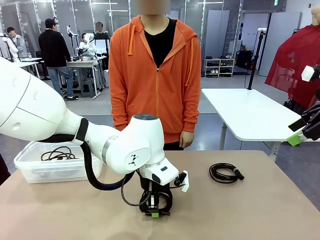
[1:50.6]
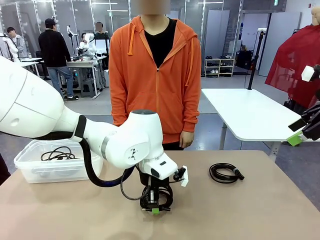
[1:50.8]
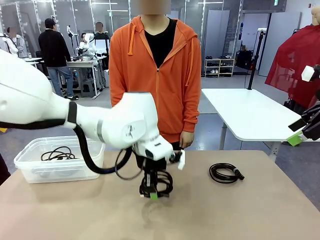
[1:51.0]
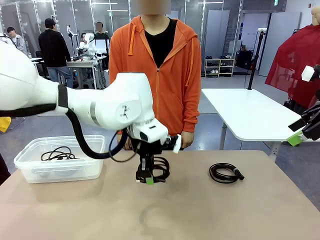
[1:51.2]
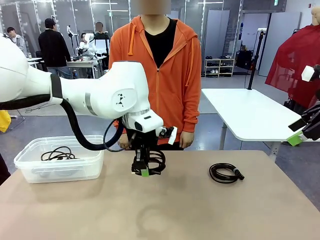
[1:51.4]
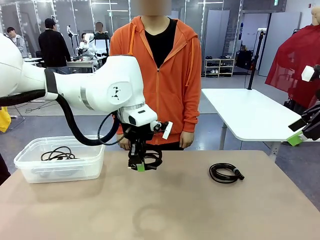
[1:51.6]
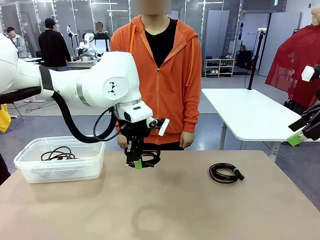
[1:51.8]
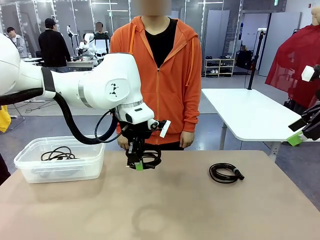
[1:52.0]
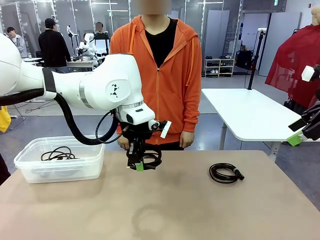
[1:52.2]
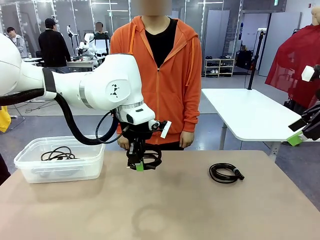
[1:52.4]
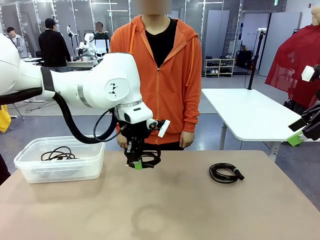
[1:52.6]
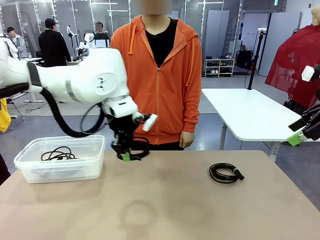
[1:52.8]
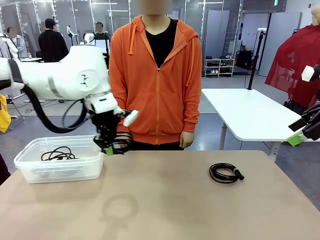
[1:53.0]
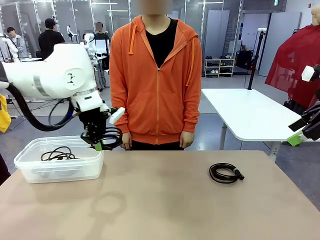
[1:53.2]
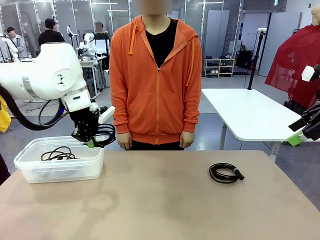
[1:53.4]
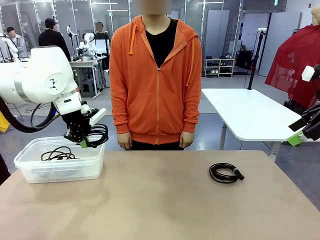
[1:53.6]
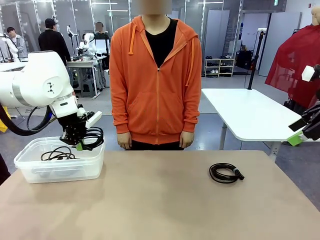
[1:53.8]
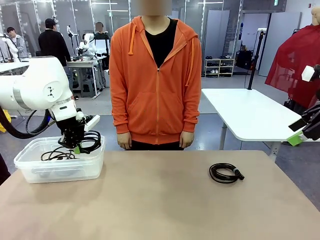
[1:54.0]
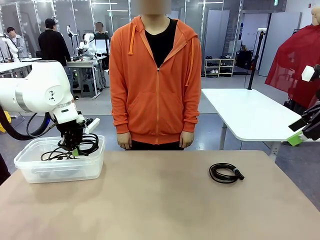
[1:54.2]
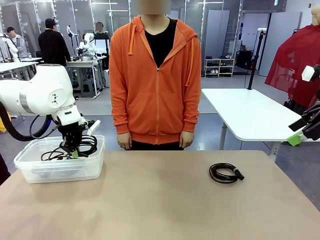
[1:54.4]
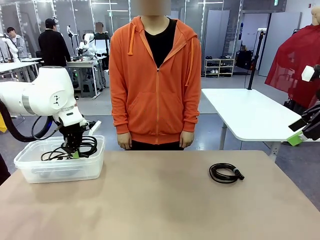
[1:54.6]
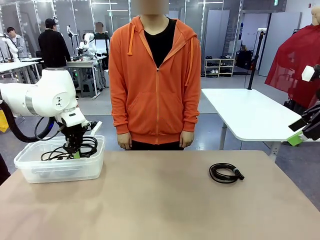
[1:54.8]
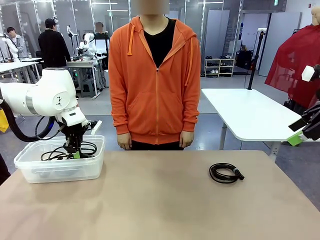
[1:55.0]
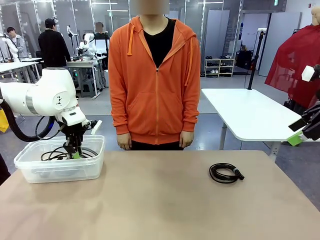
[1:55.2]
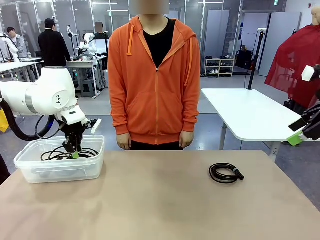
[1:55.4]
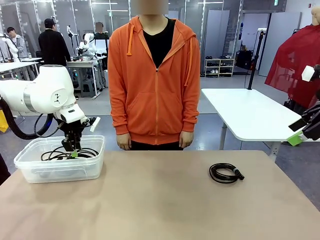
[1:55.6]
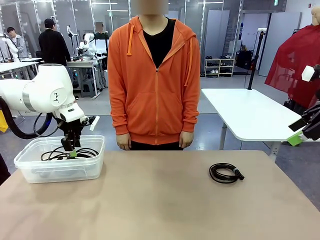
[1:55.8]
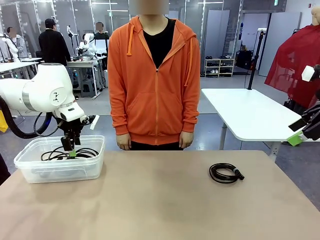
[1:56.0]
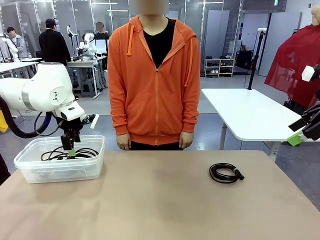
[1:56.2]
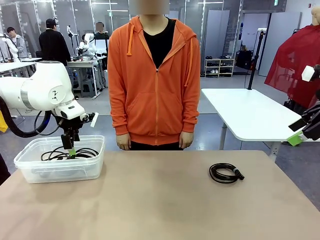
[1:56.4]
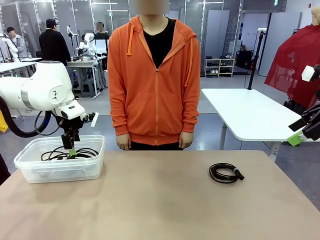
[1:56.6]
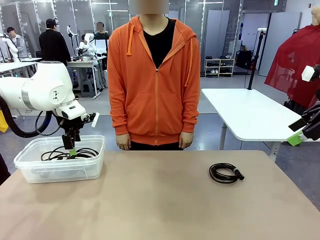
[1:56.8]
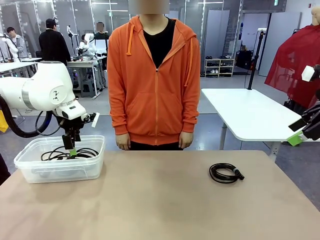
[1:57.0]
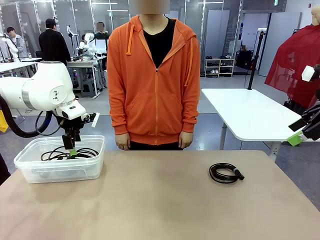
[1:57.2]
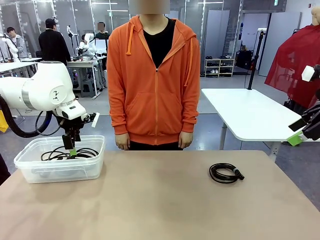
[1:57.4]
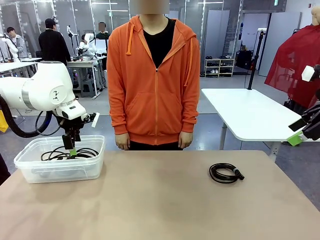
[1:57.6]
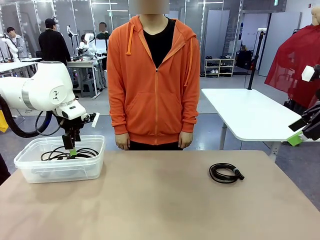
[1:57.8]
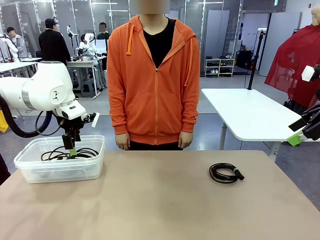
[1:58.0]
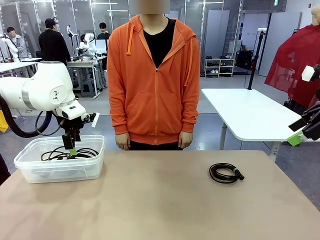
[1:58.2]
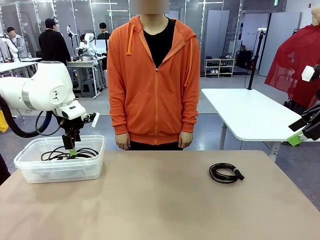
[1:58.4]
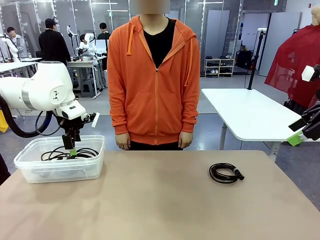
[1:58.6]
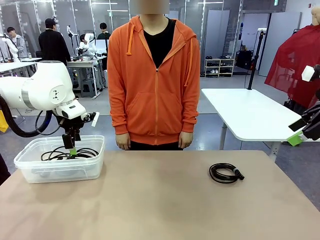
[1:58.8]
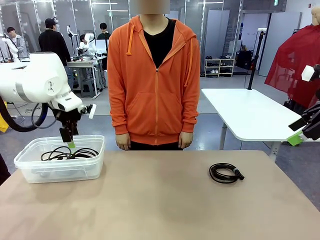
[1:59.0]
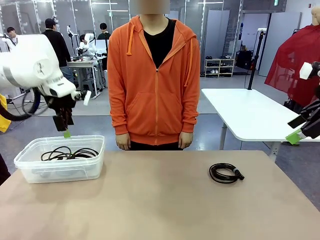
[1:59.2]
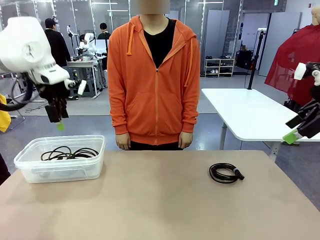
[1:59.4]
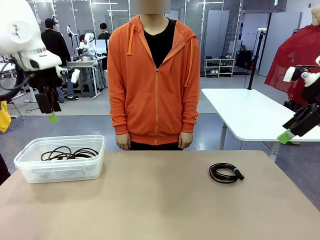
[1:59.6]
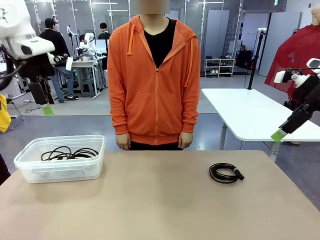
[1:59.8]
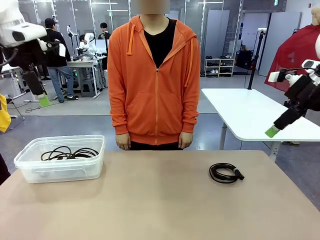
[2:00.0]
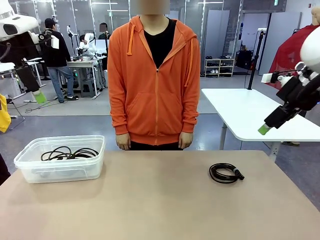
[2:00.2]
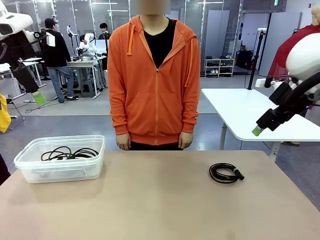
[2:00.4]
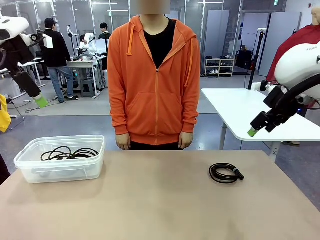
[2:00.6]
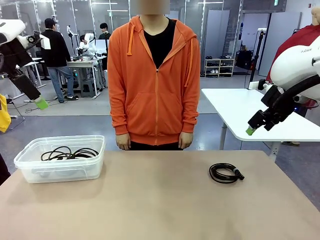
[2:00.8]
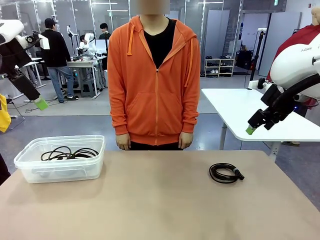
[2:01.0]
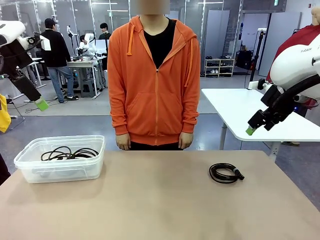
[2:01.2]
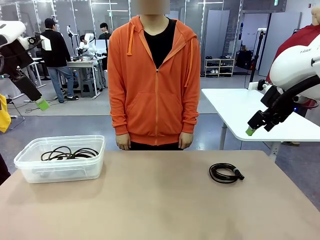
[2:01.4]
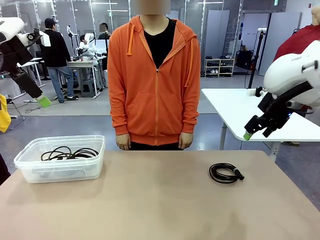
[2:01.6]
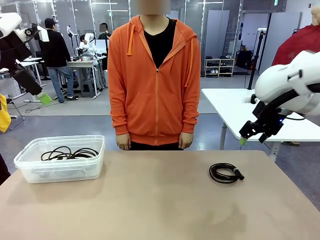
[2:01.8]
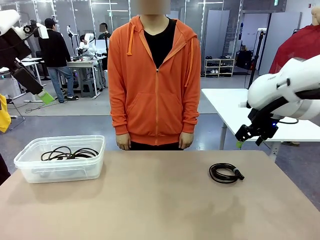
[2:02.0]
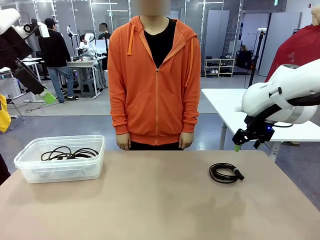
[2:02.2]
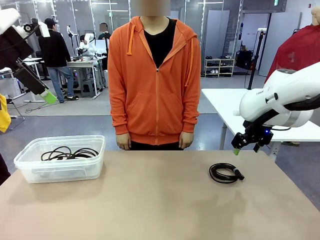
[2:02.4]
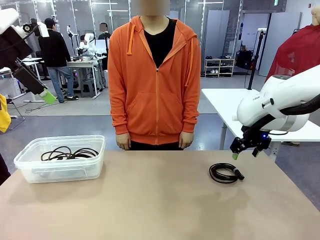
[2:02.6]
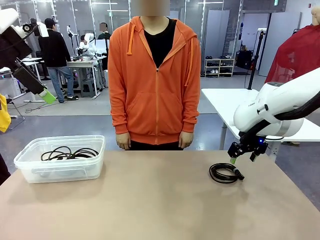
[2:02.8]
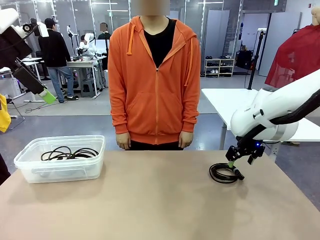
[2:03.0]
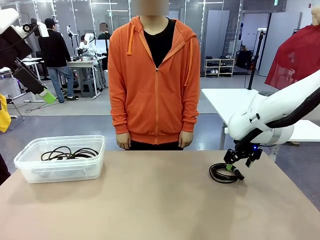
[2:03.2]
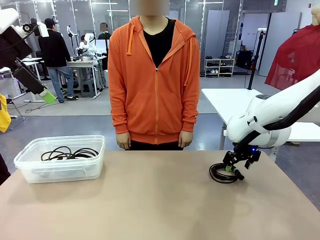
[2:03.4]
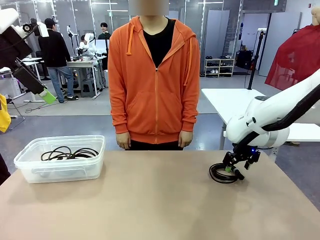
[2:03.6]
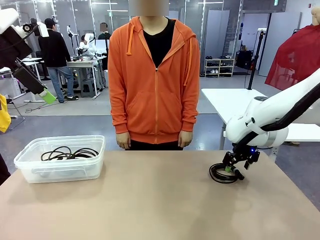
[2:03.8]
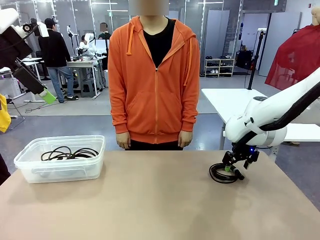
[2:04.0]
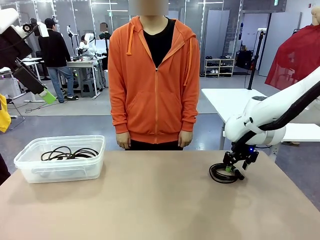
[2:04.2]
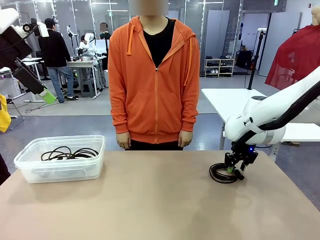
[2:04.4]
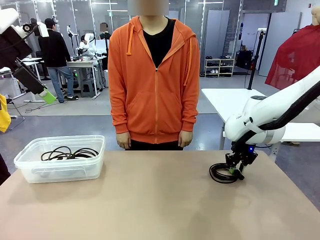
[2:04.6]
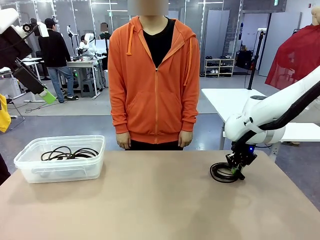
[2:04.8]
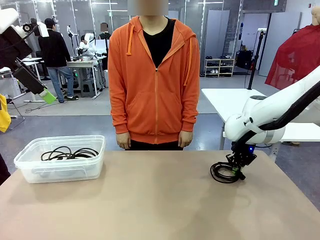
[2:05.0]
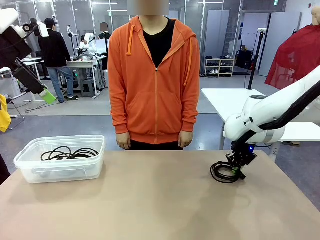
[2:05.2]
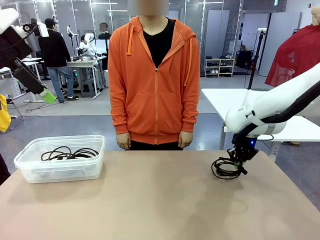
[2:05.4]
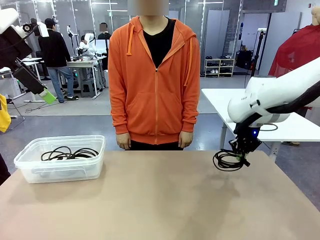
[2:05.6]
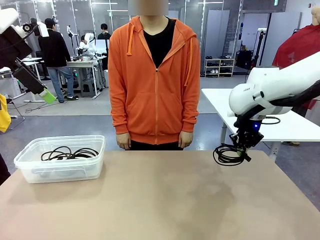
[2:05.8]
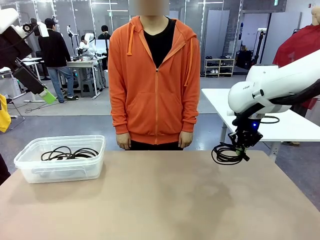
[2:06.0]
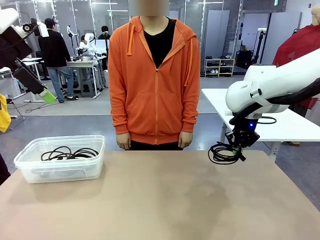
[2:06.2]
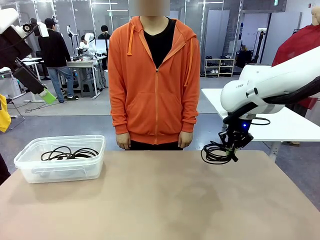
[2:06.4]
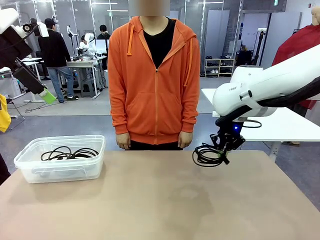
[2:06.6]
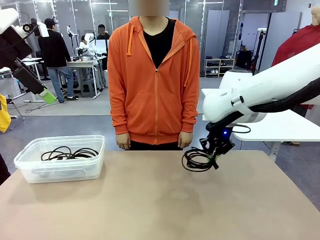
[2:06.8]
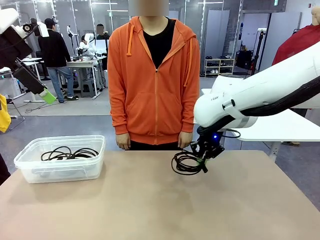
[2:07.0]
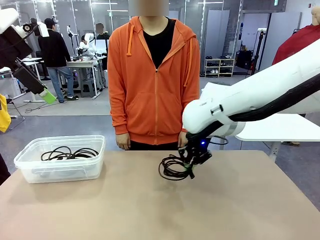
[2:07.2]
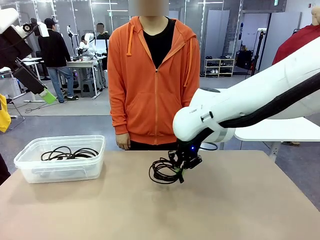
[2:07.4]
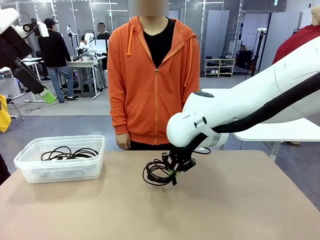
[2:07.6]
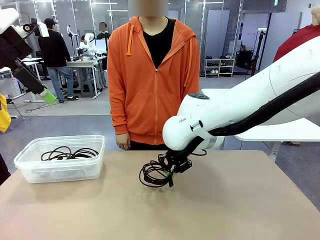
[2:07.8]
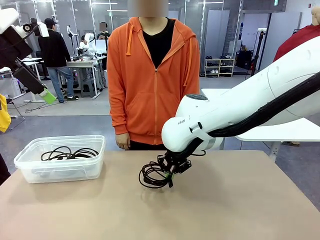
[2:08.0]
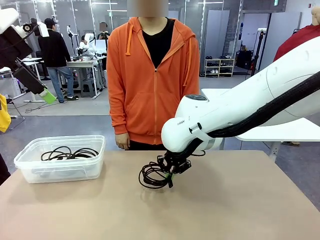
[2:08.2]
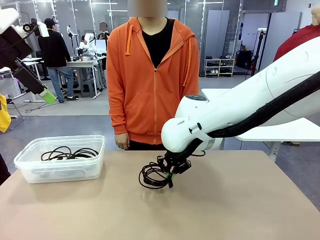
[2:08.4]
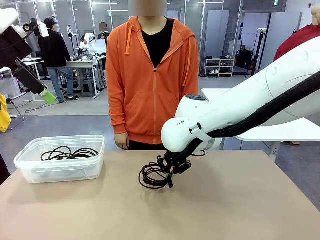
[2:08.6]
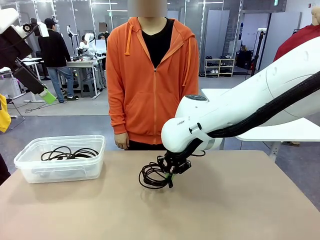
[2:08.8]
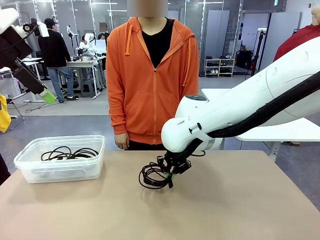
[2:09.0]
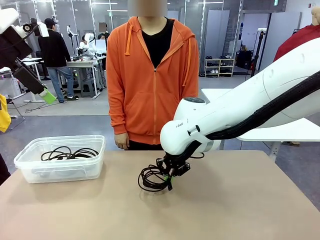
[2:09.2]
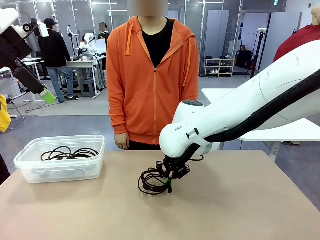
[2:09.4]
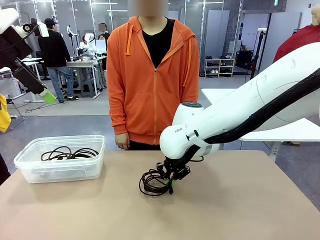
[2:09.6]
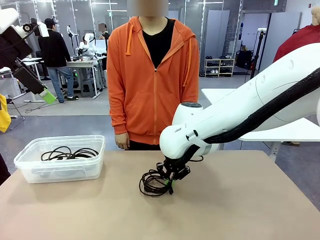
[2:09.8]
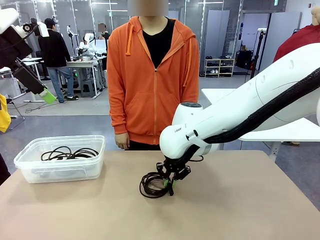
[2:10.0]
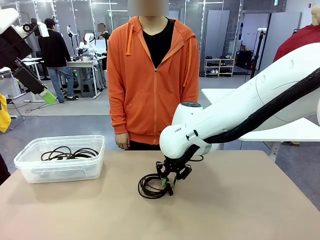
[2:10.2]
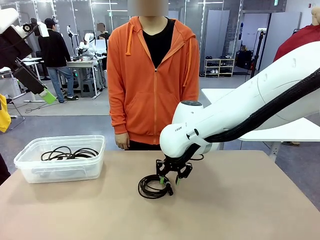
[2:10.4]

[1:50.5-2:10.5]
Task: Organize and store the cables.
Robot: Place the USB Extension Cable into the Organizing box.
